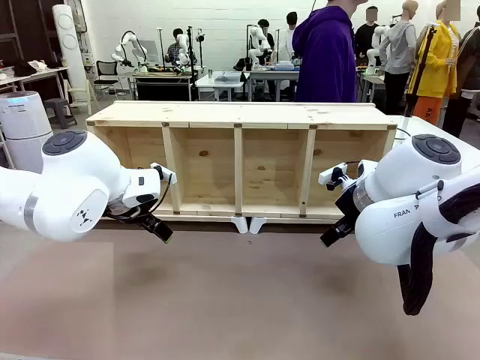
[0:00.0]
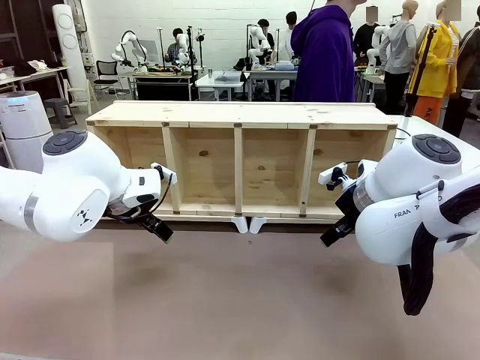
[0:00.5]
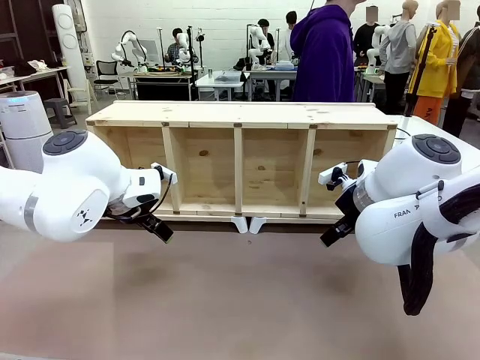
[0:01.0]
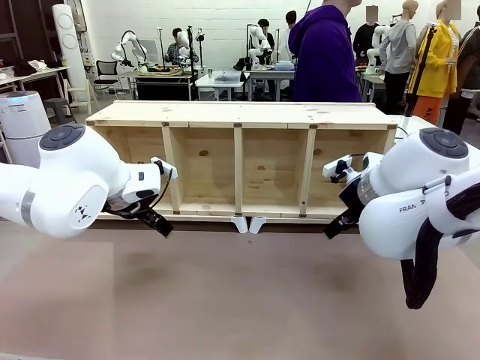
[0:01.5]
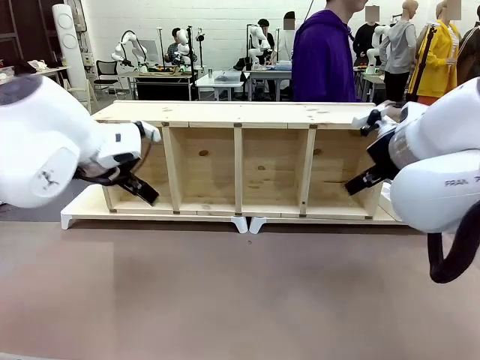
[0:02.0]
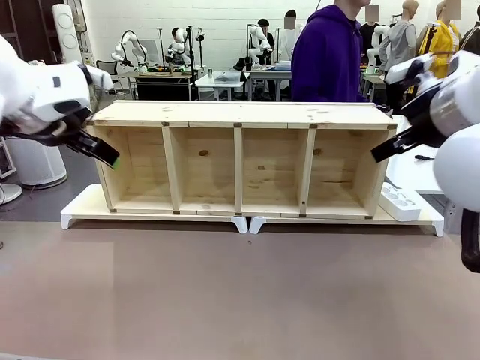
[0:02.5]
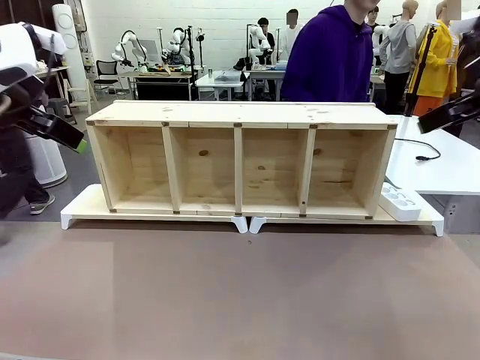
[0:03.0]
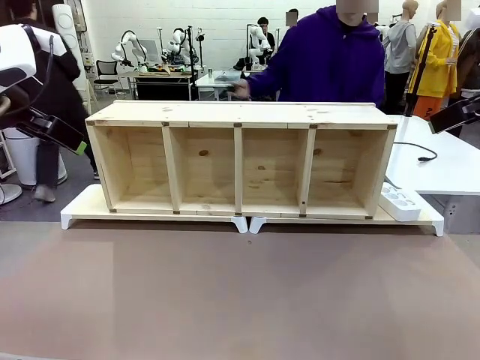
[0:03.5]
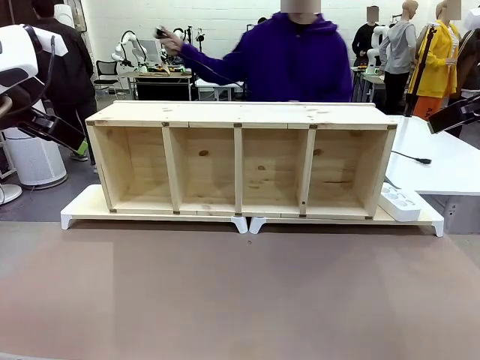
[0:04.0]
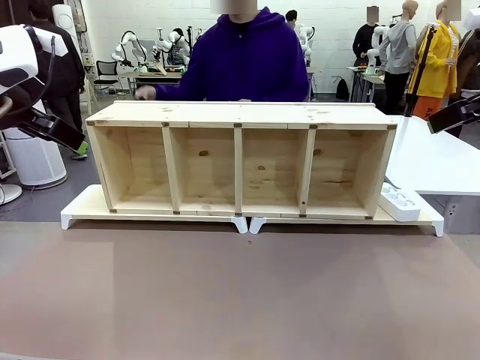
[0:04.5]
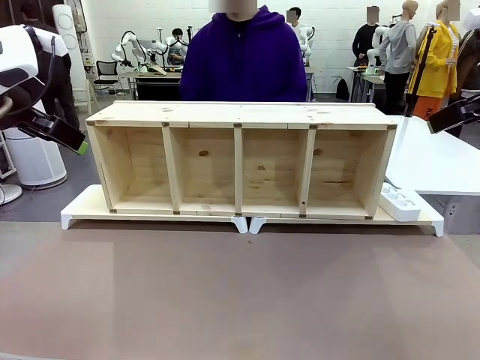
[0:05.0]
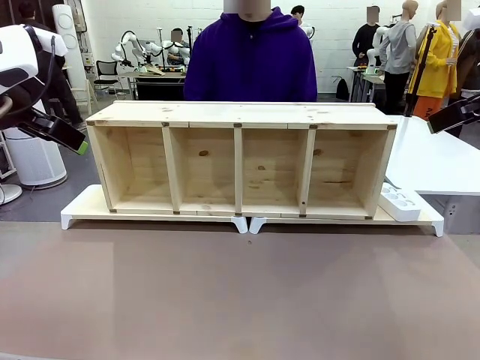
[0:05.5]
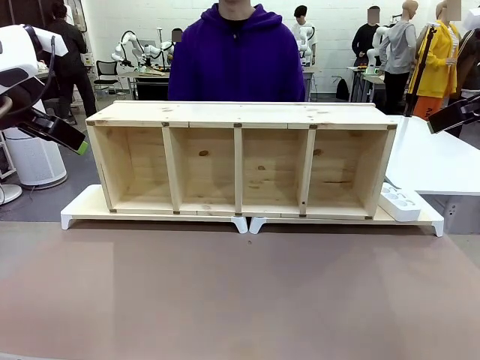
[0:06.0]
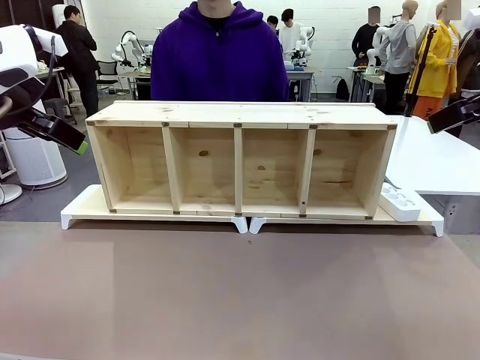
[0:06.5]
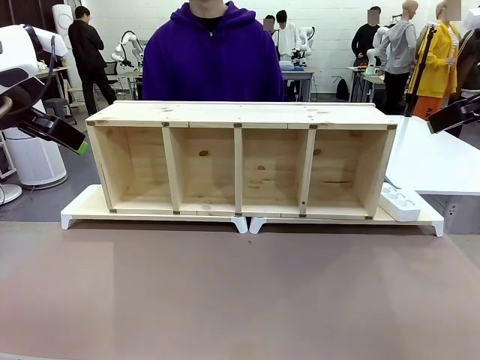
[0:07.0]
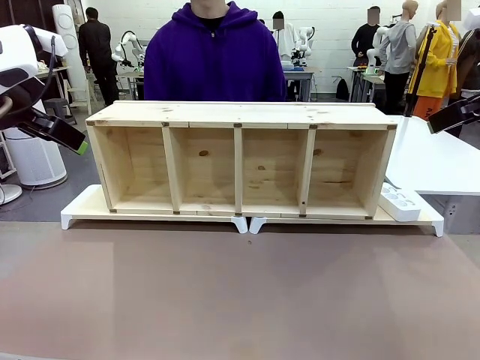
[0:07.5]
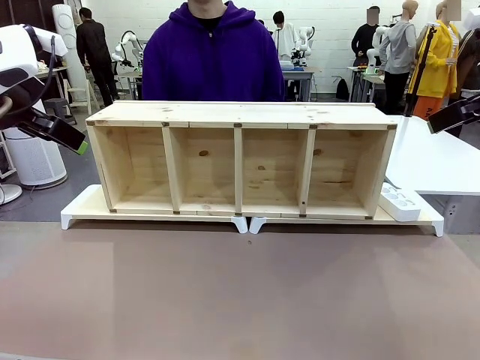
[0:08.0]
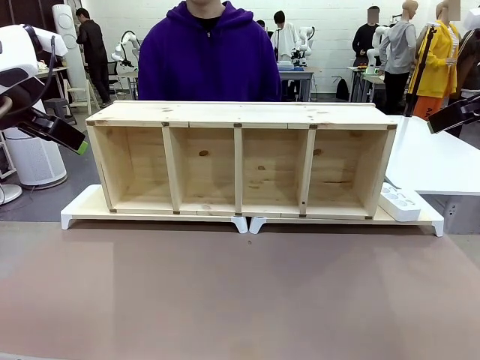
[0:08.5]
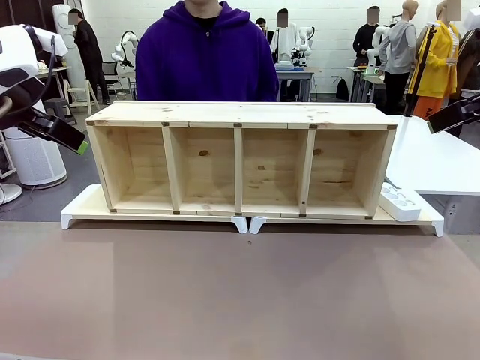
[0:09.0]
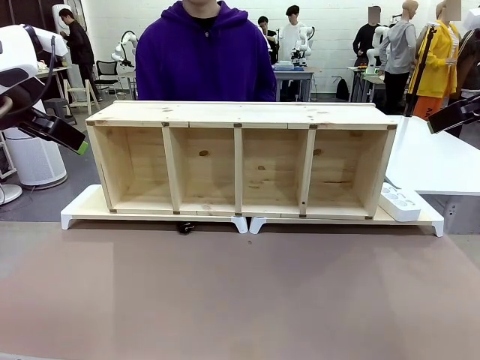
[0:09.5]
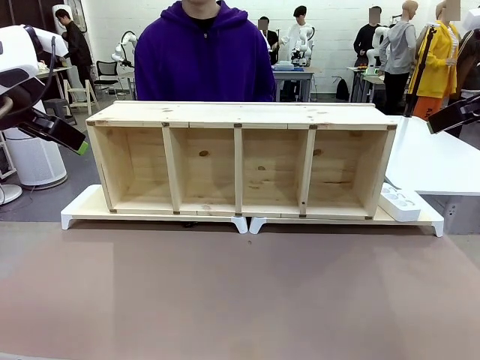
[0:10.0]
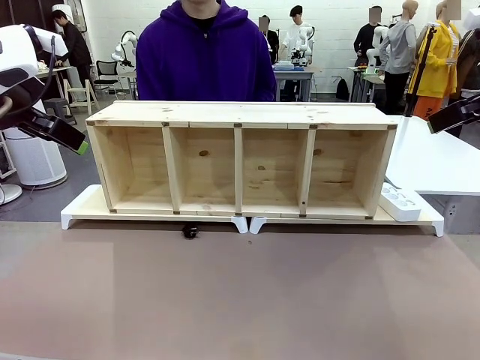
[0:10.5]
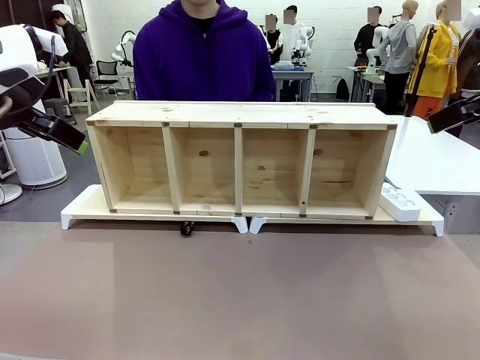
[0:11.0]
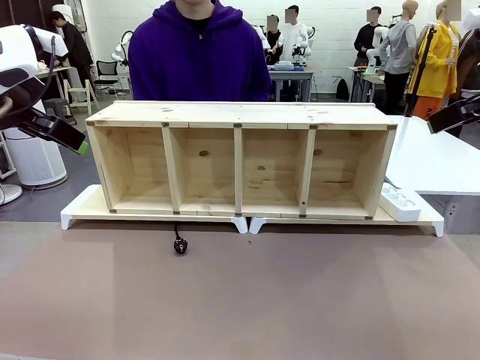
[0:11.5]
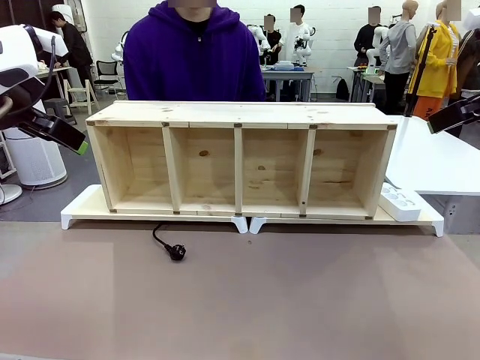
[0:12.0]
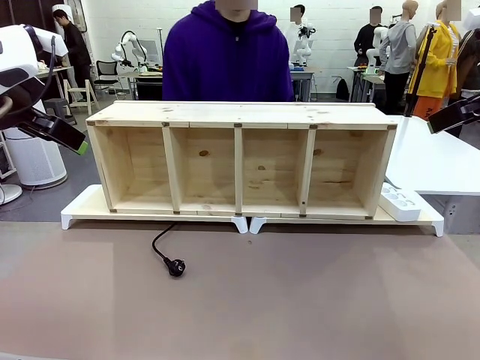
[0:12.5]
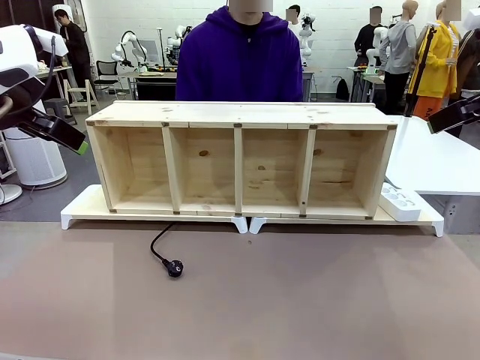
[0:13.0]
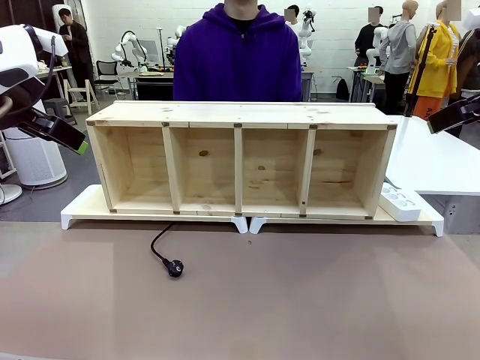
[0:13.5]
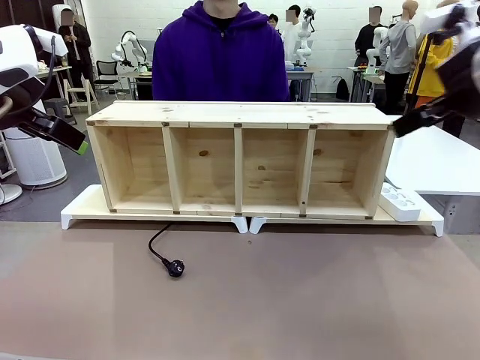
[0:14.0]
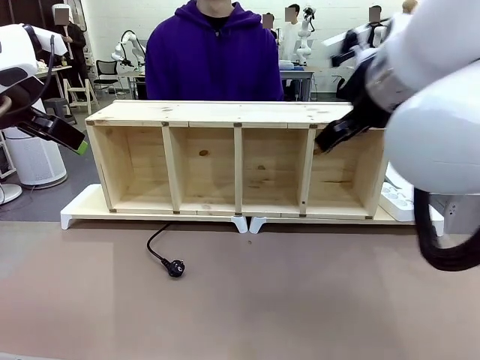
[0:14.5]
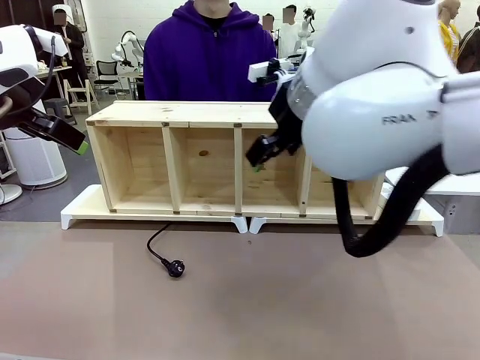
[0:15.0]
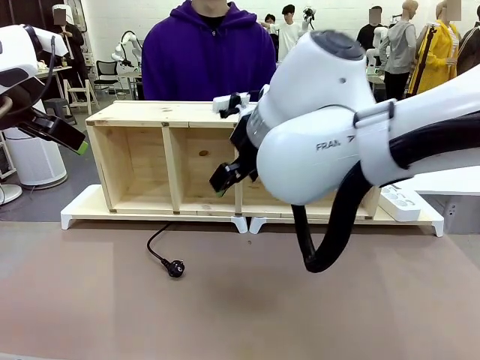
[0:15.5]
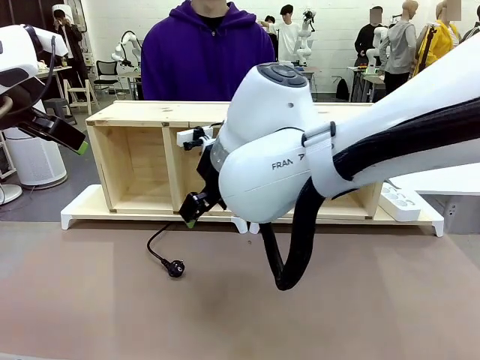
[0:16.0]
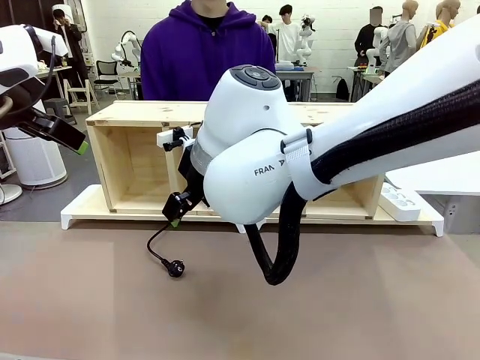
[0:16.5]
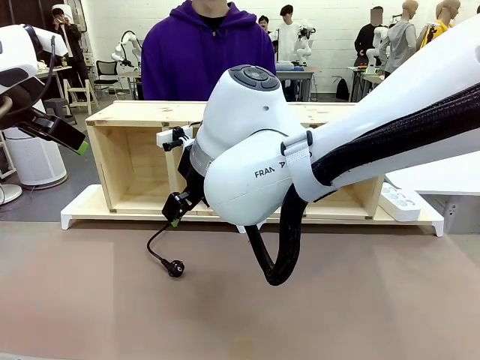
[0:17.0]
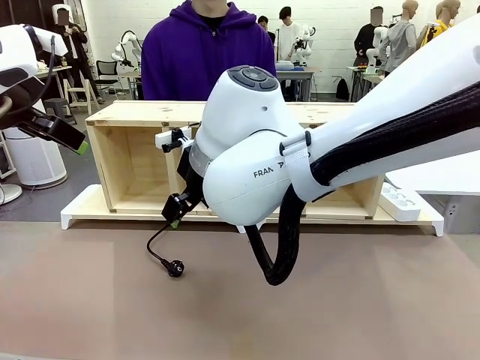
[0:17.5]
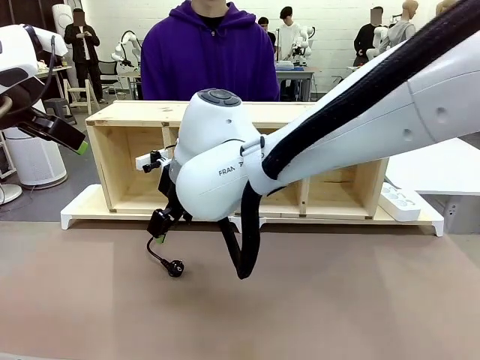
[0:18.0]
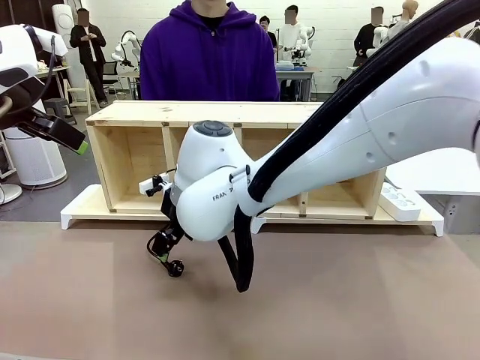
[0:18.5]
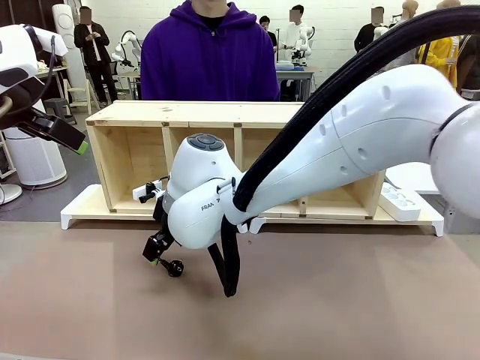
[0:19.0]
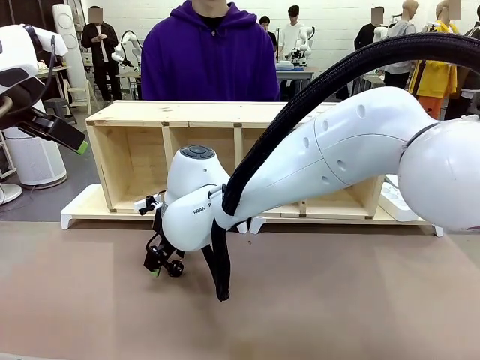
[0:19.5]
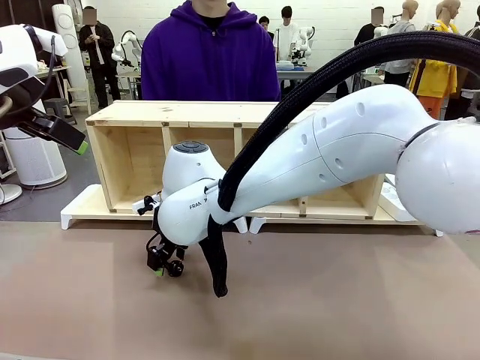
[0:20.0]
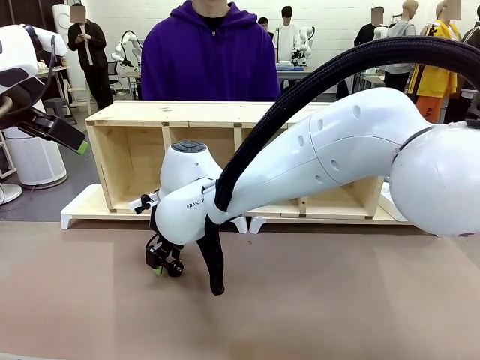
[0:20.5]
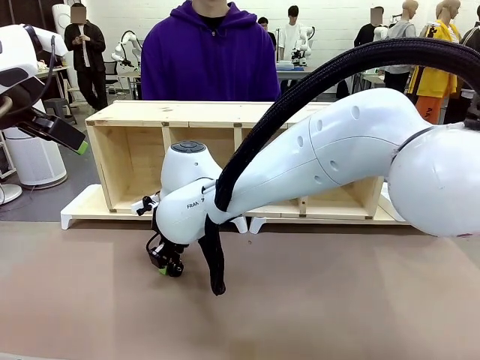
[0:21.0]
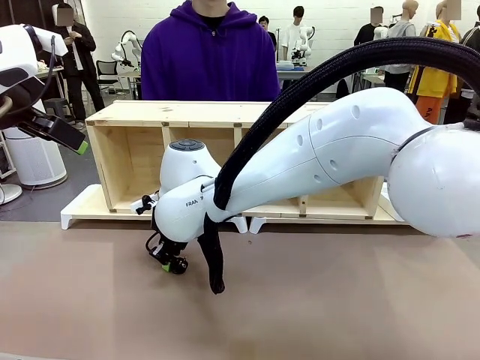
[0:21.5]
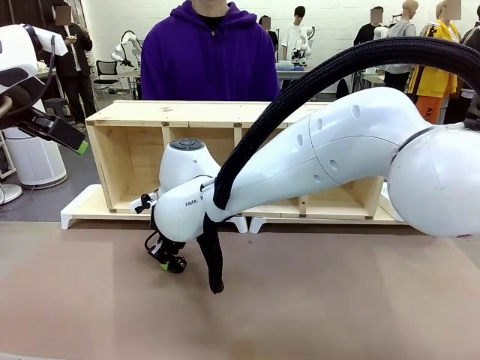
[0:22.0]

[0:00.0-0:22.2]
Task: Perform cable management.
Robot: When the cord part of the Power Cable appears at the lower middle area of the table and stops, grasp the cord part of the Power Cable.
Person: Pass the Power Cable under the Serving Table.
